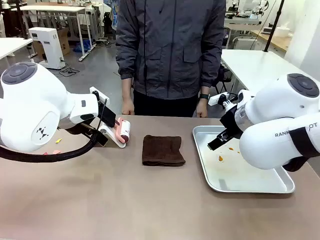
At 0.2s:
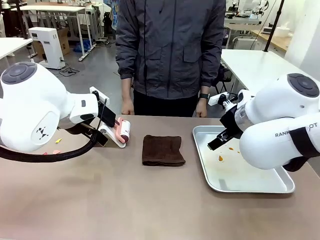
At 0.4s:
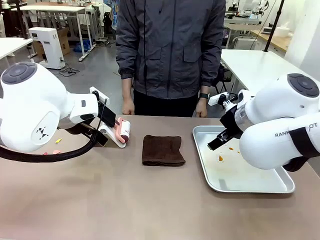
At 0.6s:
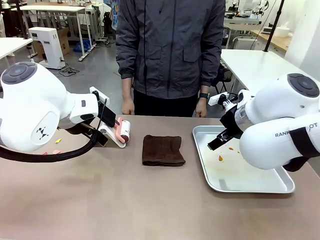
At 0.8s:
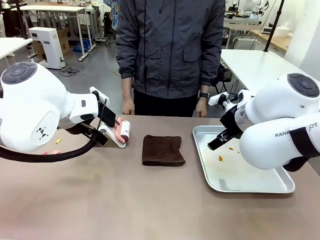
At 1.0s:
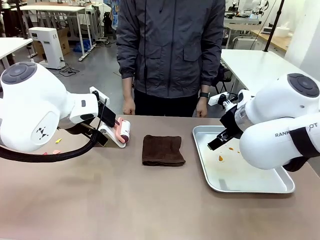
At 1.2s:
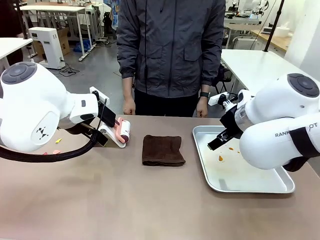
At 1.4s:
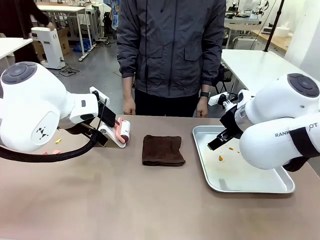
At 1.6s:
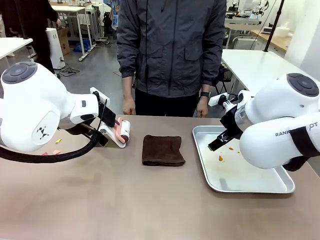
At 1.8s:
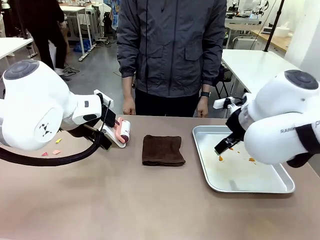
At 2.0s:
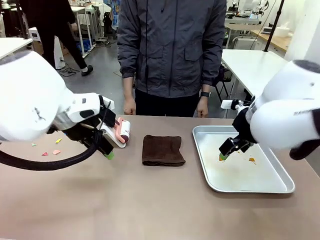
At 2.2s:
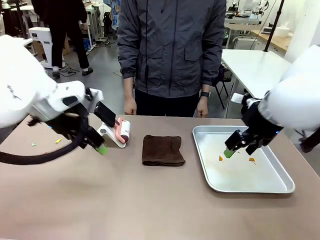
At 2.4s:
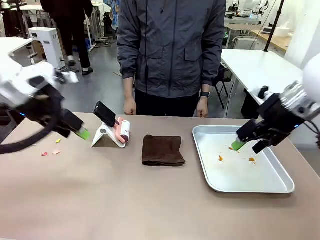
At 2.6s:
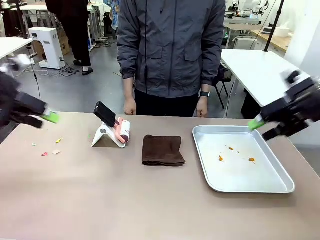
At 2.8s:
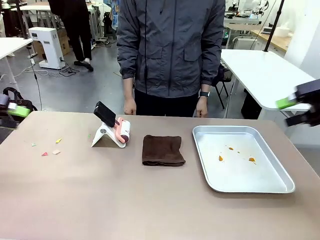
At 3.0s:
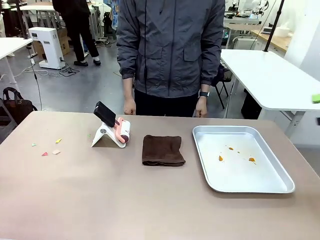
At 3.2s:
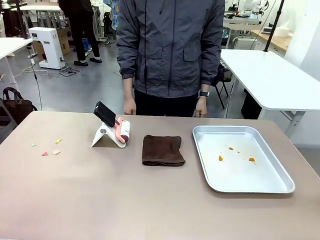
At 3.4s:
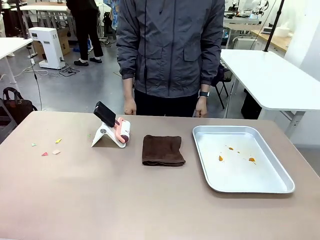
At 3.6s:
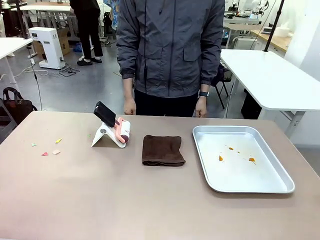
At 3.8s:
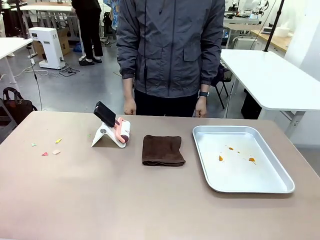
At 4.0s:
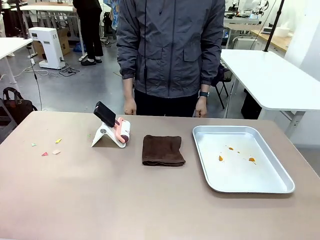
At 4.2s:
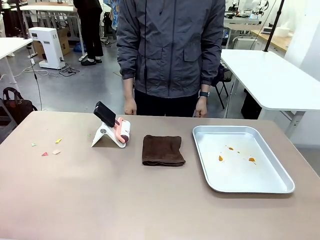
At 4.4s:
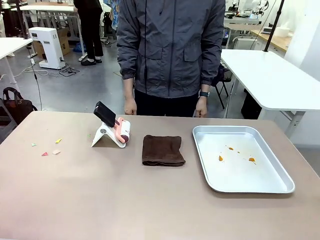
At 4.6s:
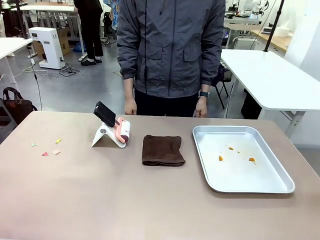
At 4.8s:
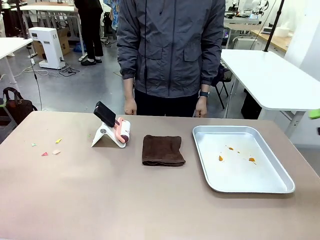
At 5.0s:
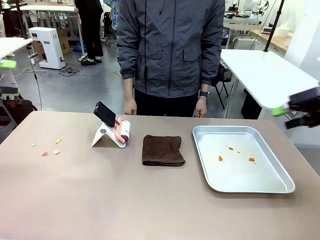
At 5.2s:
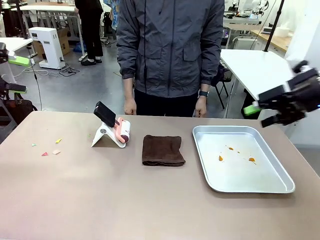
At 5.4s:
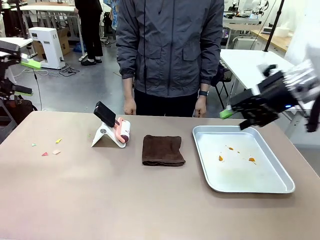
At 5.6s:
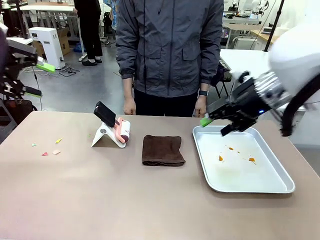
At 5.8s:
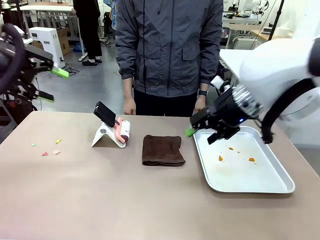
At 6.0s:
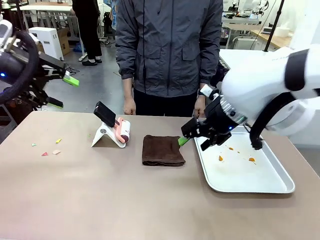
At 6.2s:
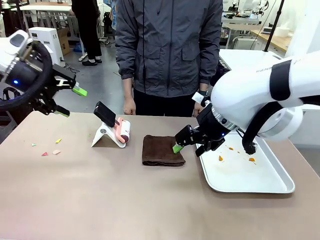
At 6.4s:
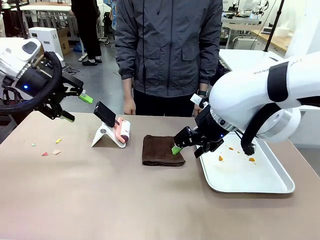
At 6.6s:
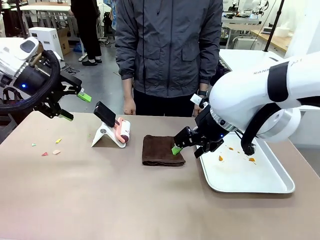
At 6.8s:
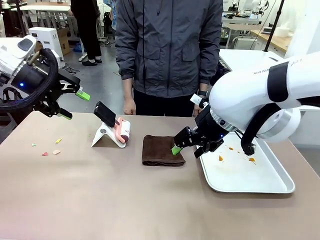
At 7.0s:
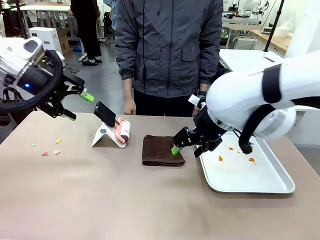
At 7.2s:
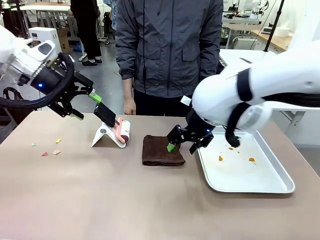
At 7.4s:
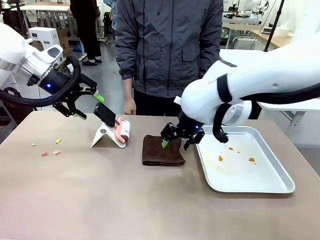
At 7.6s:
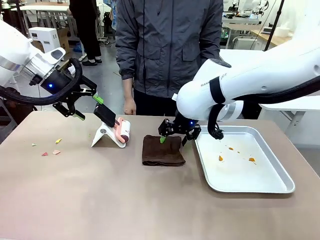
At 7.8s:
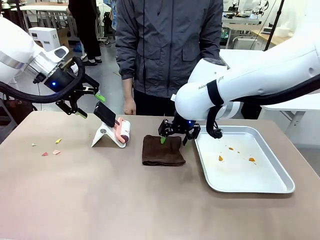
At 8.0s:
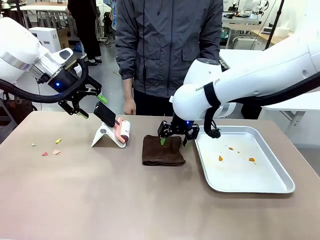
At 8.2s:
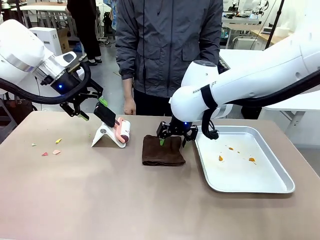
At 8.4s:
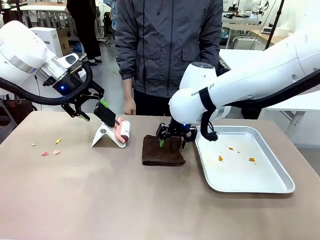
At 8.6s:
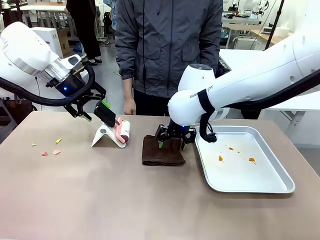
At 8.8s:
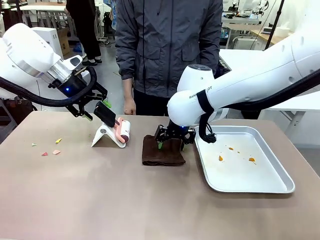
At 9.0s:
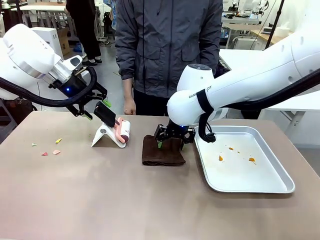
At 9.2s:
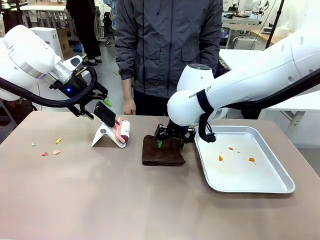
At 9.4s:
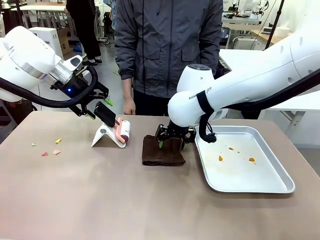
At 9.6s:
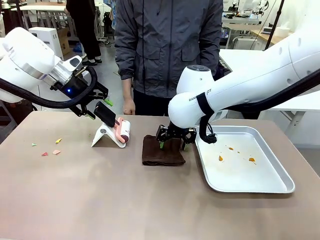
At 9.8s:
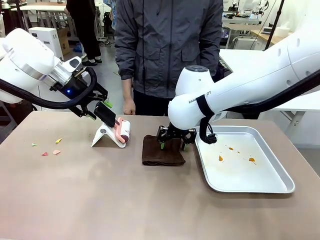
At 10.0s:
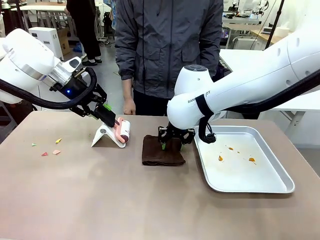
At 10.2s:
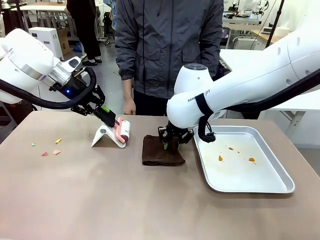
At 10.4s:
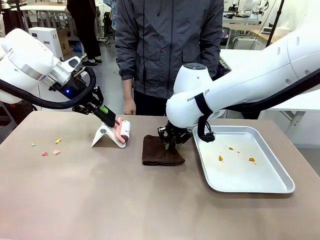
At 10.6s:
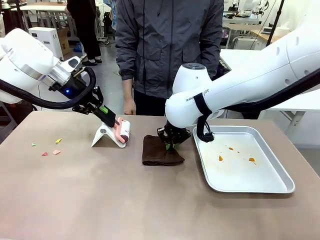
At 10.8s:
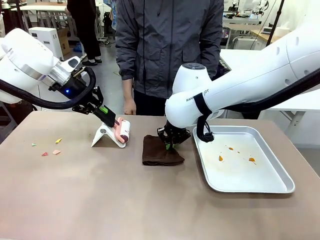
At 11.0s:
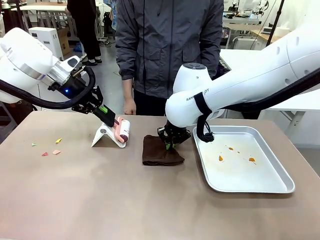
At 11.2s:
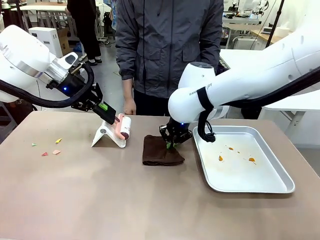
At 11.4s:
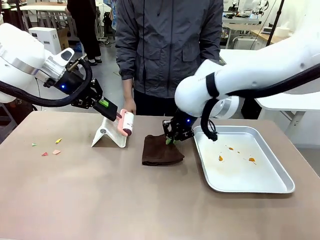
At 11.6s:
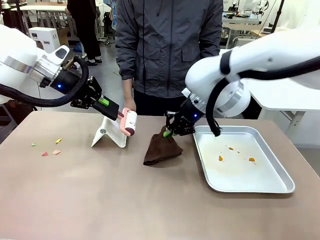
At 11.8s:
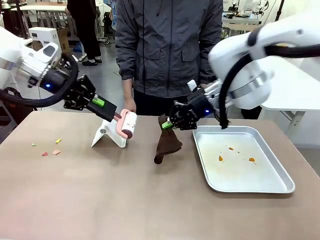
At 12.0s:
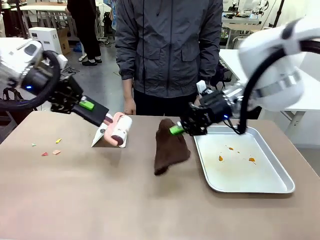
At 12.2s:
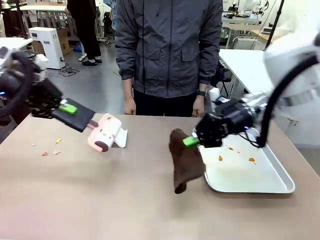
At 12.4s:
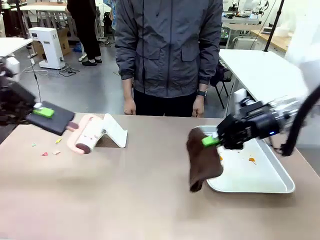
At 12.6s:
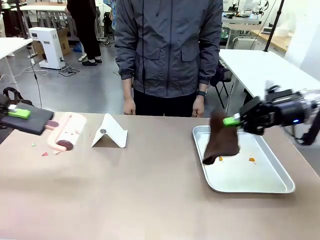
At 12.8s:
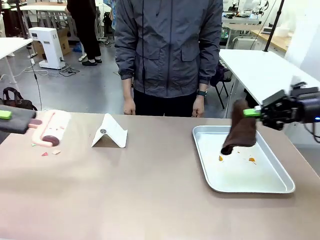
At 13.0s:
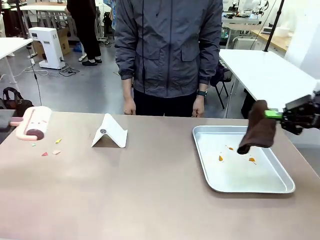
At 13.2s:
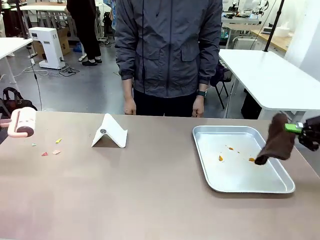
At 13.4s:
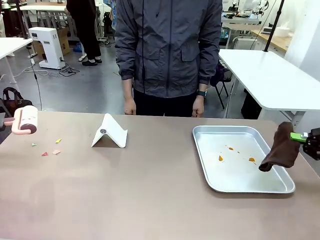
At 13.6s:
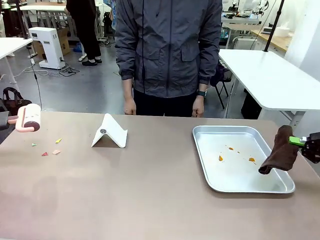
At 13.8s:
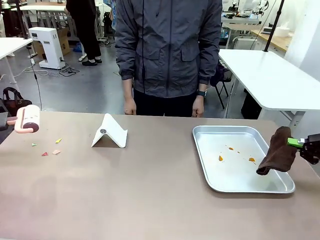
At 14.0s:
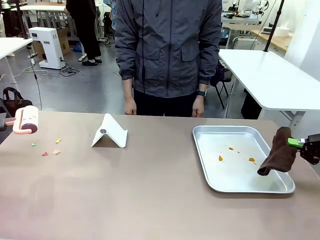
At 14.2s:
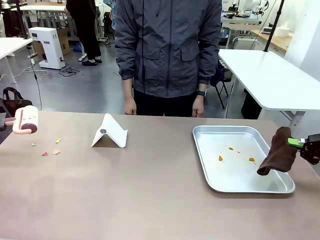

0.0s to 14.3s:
Task: Clean the surface of the table.
Robot: Hold the Lint Roller with your left hand and the towel with your right hand.

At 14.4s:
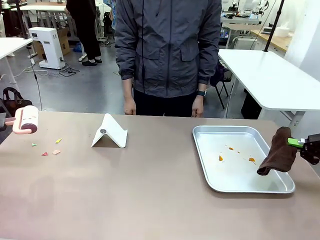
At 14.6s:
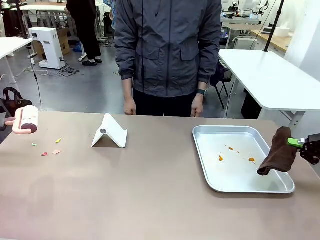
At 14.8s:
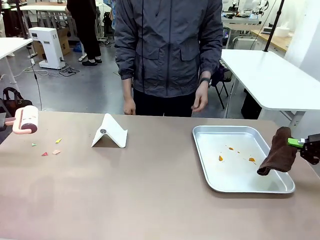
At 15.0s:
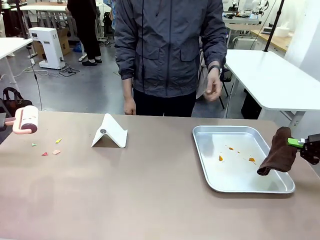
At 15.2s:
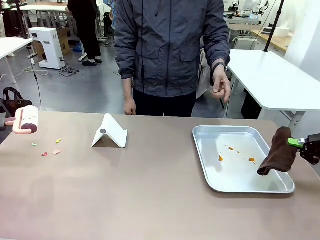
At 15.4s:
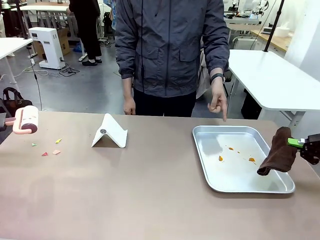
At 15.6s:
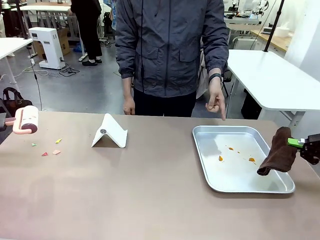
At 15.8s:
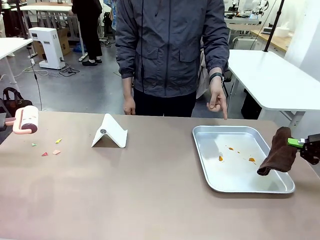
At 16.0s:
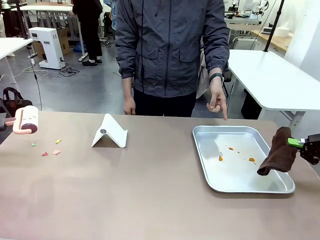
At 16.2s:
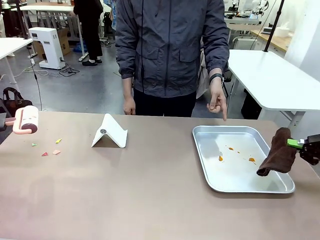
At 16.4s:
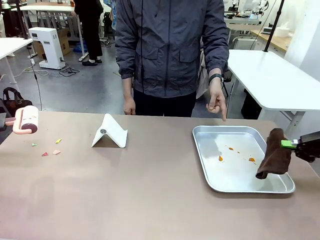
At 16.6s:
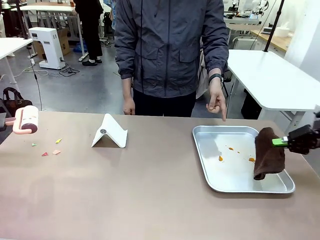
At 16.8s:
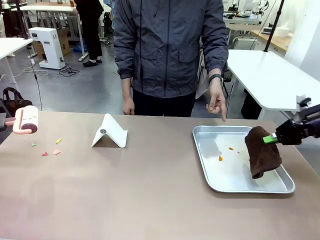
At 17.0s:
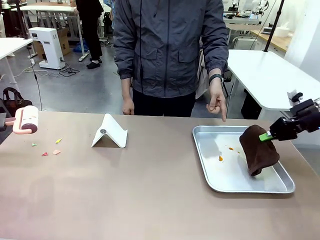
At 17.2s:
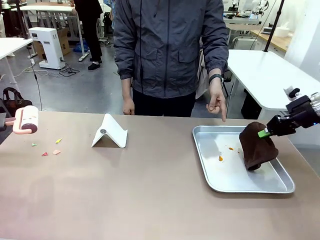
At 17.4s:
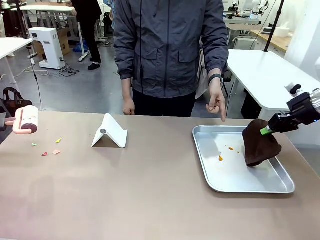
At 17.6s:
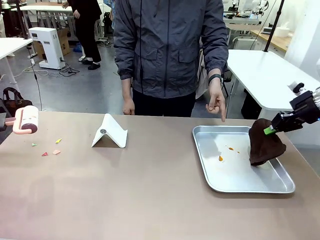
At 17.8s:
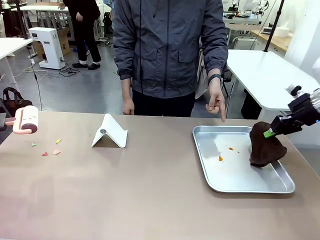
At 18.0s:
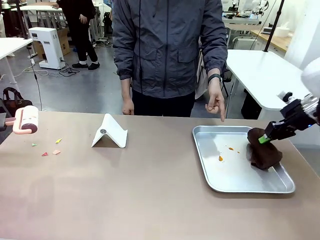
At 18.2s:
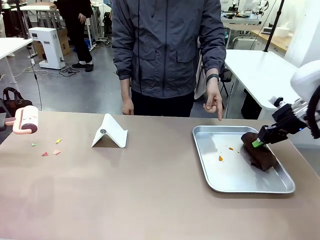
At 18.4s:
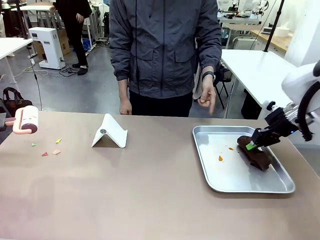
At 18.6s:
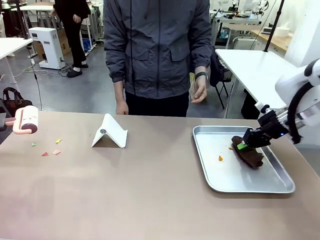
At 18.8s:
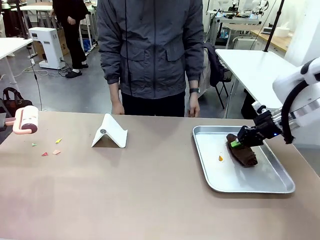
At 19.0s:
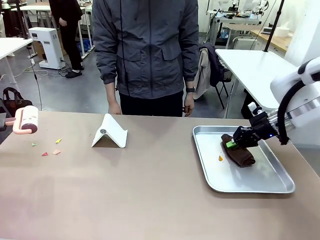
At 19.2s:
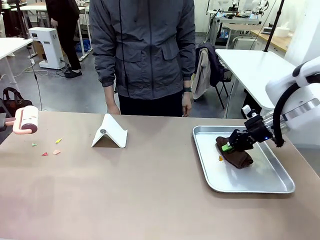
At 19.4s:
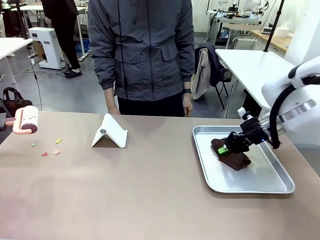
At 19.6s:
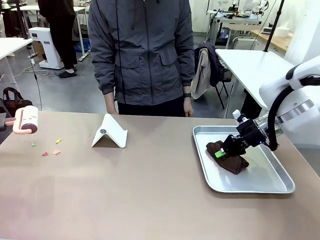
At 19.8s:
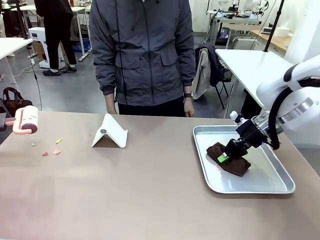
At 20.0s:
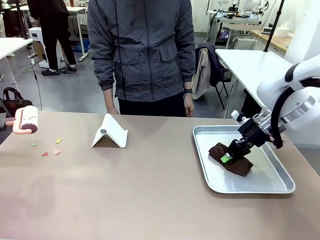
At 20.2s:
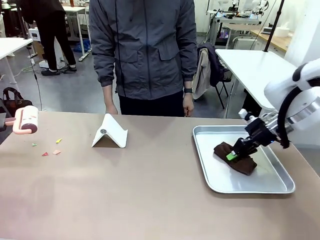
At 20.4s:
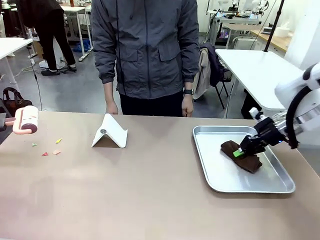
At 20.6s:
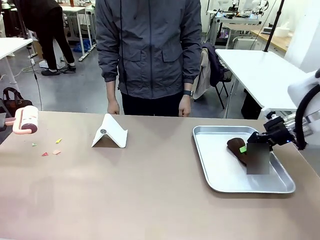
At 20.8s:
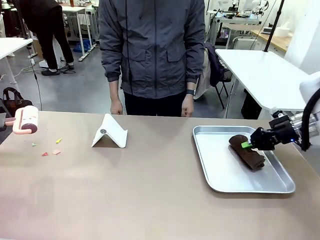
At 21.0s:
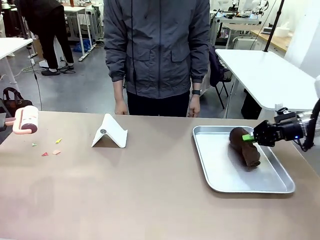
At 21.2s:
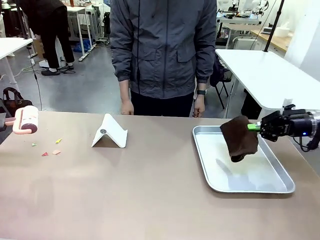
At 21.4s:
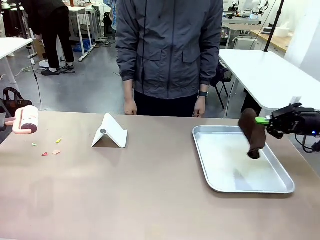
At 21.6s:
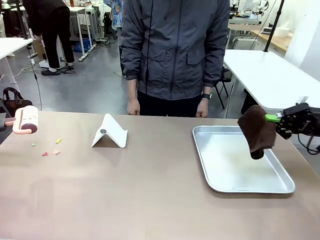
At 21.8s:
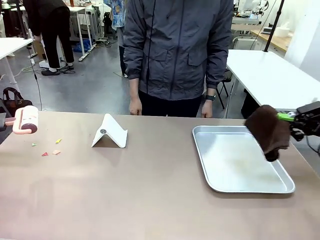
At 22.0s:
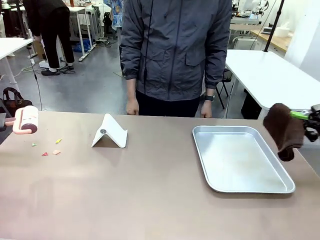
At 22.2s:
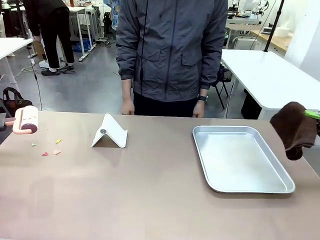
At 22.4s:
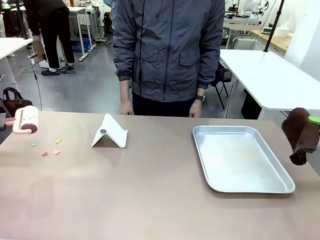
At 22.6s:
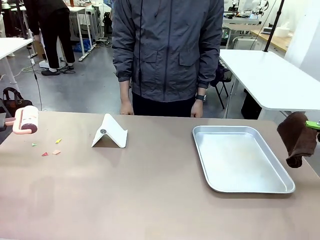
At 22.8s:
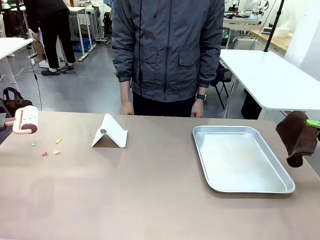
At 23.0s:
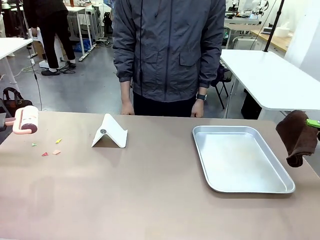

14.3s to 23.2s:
Robot: If a person points to the right, clean the right side of the table with your right hand, and if they point to the left, clean the left side with your left hand.
